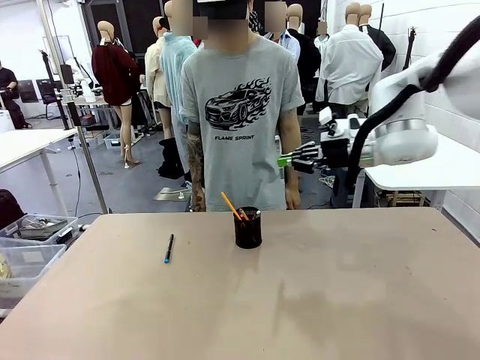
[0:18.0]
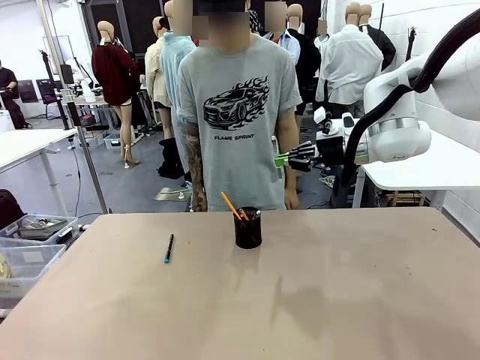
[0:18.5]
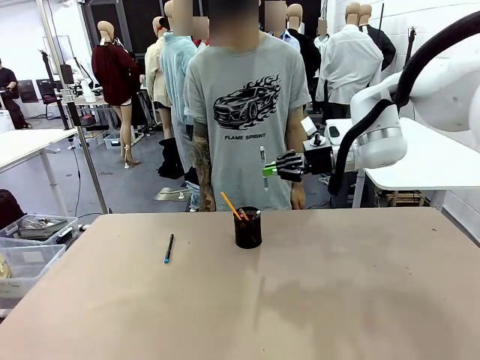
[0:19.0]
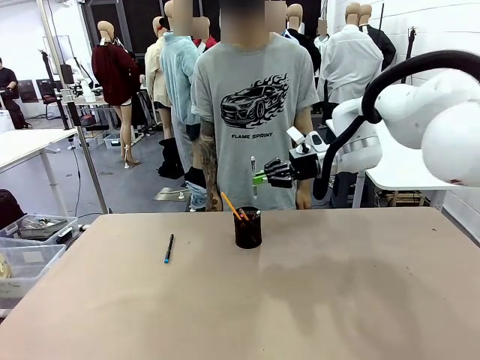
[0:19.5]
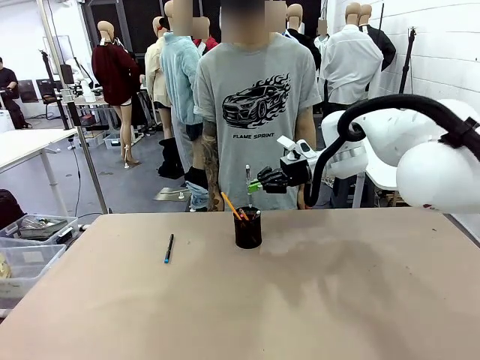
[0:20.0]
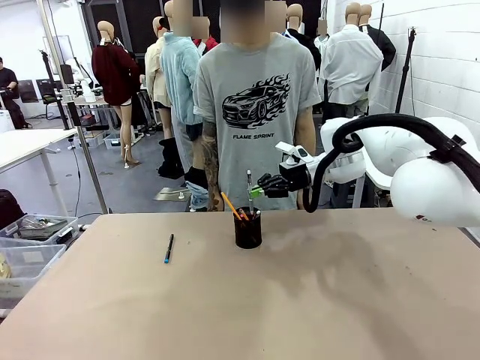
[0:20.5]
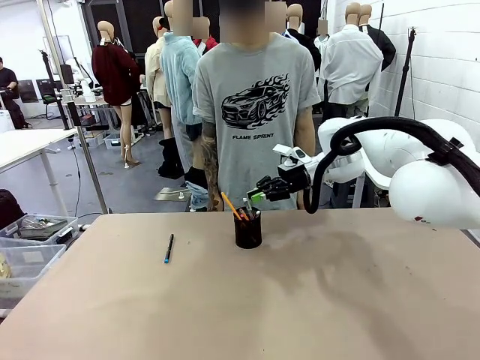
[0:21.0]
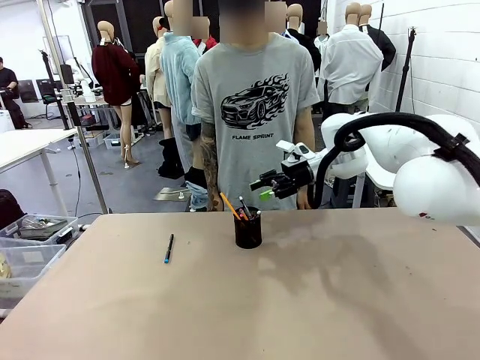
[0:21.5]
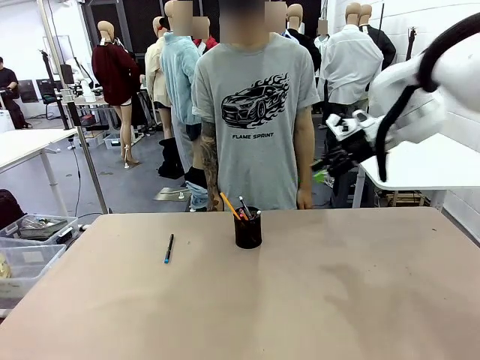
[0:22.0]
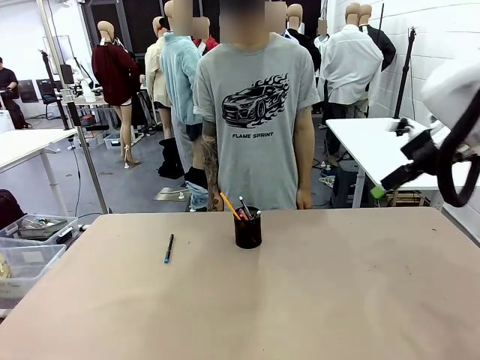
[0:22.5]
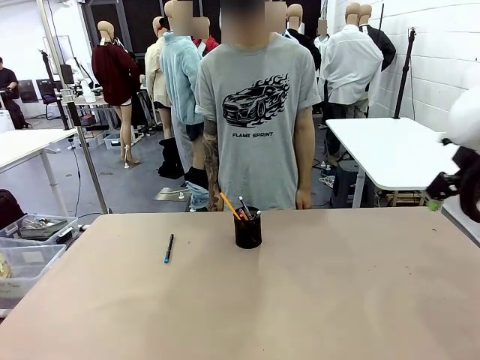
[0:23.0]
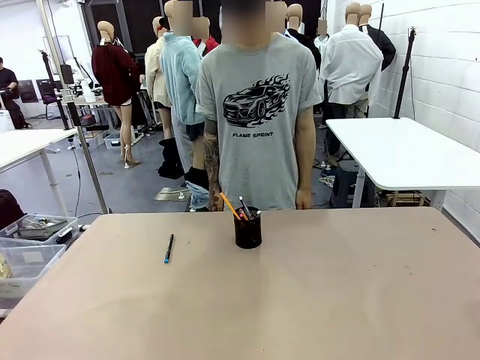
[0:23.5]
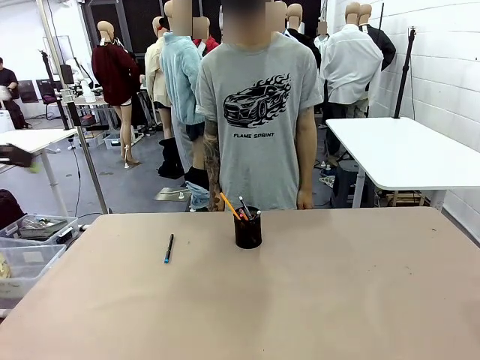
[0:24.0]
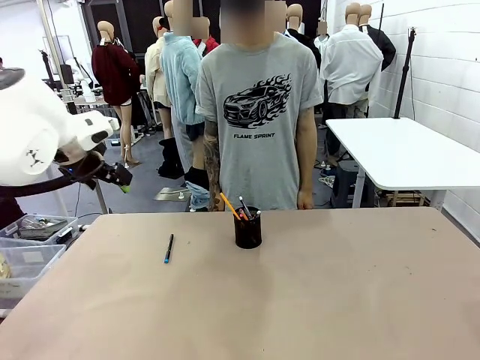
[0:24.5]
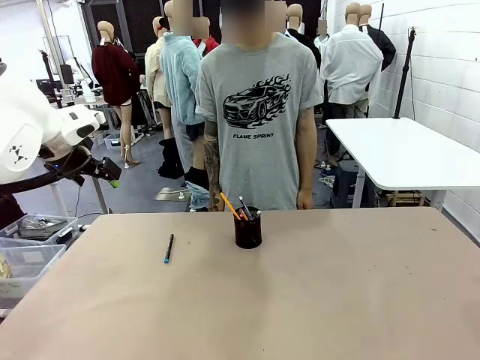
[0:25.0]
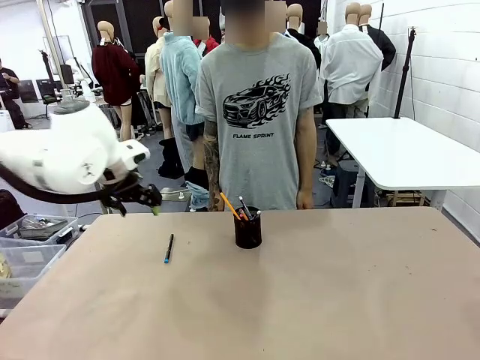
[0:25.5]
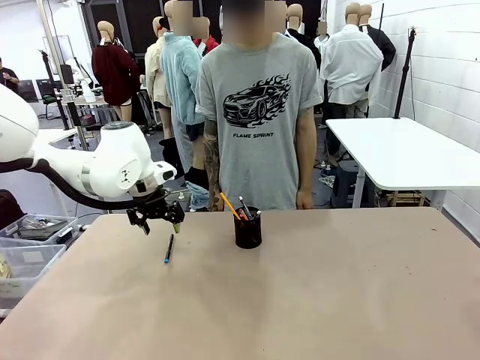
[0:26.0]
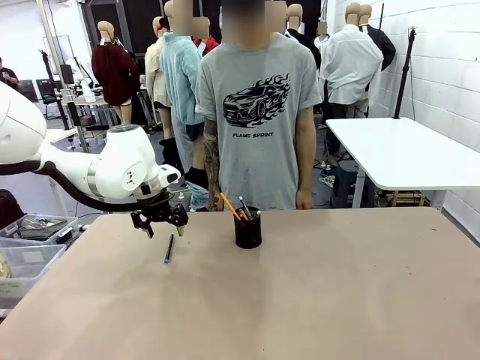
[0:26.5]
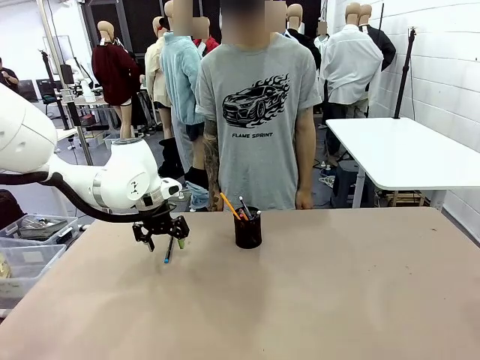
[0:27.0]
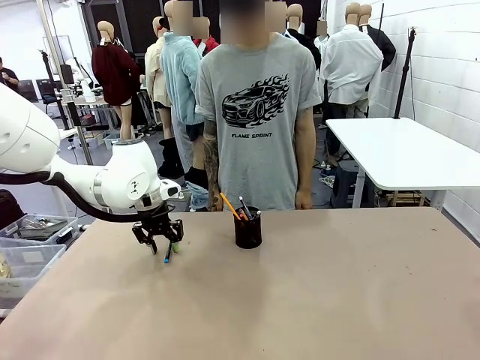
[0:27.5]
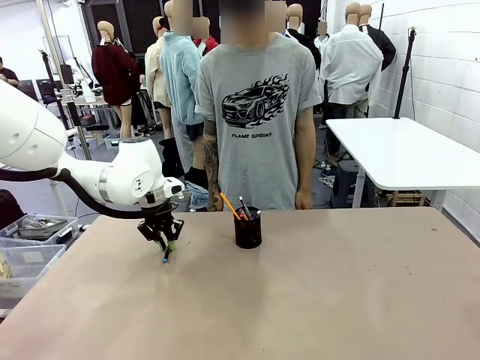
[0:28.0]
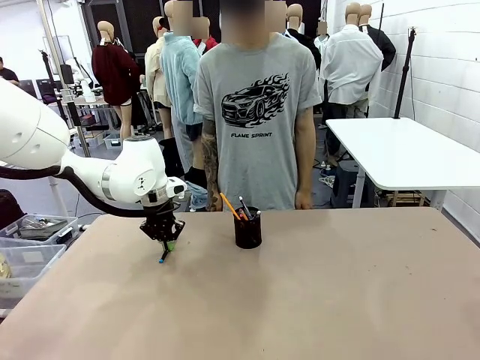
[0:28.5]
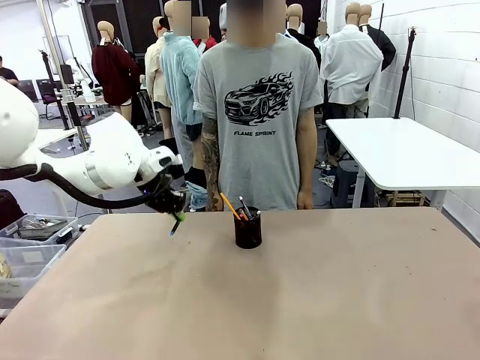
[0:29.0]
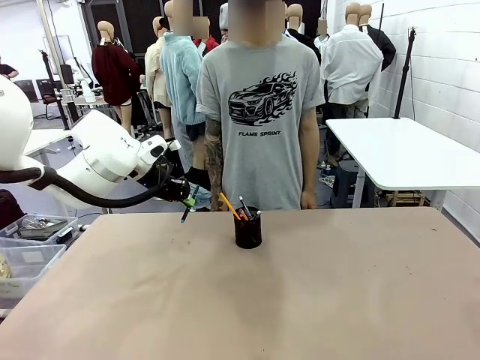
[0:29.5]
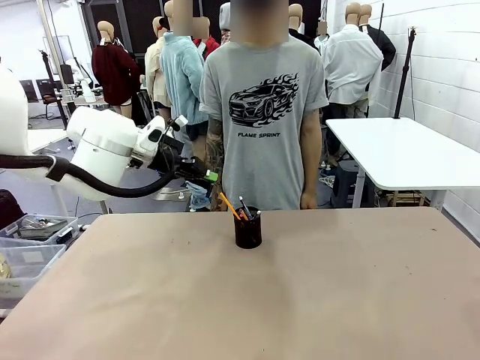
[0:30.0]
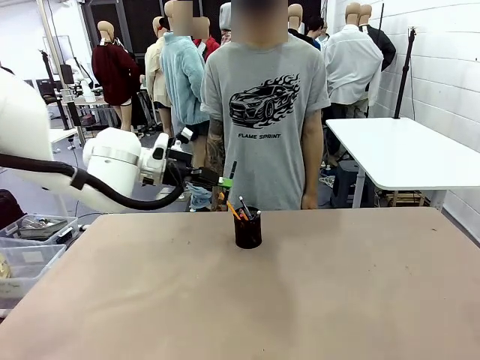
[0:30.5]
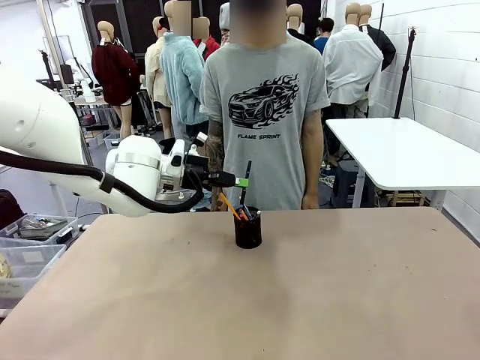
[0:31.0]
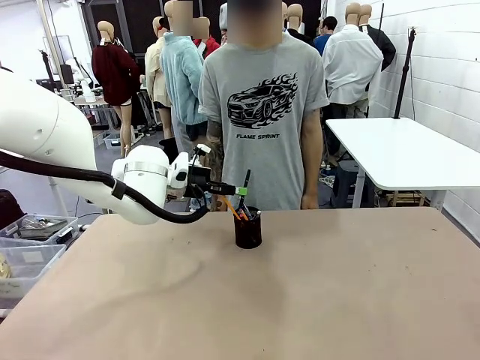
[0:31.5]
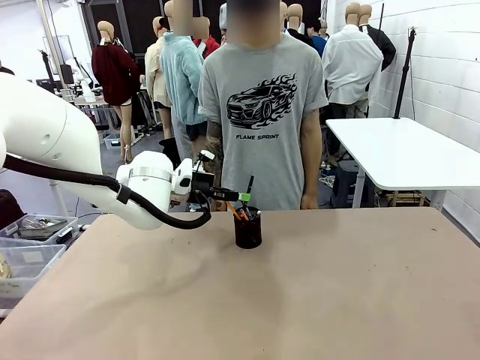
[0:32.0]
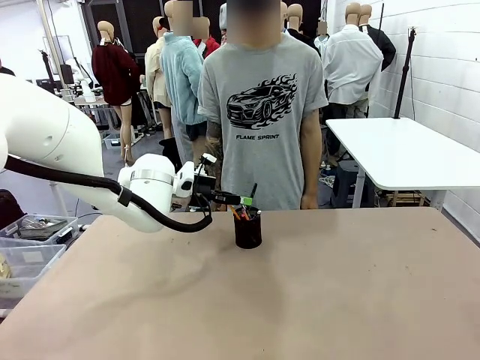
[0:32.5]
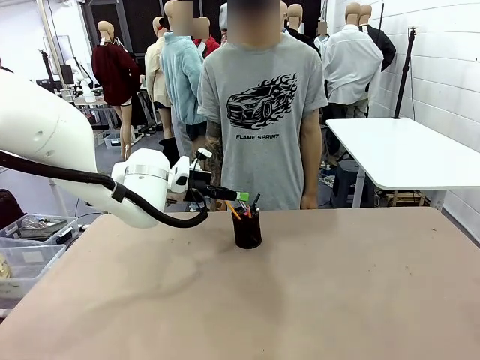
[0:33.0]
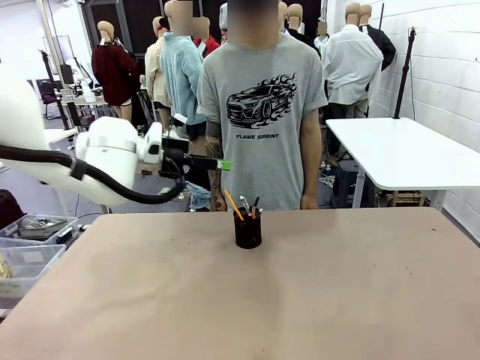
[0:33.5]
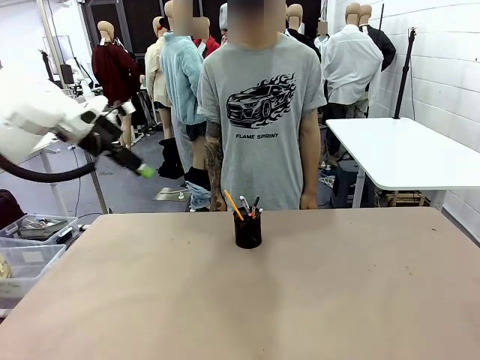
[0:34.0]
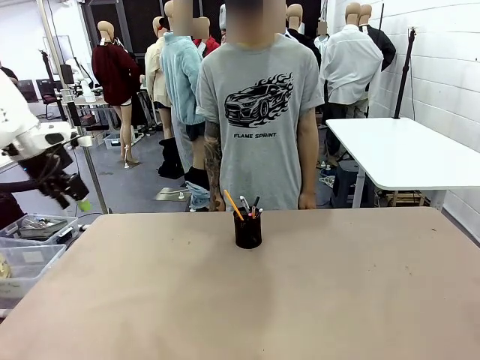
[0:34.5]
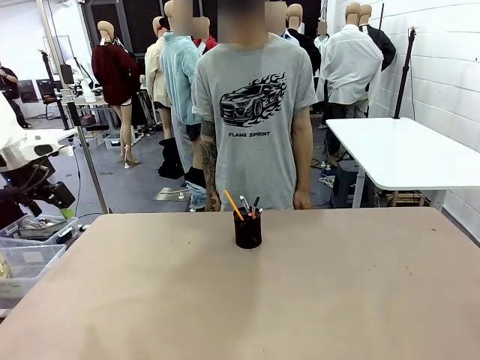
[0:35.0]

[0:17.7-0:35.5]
Task: Place the pens into the pen holder.
Robot: Pick up a writing instrument from the table and place it into the Pen holder.
Person: Place all writing instrument into the Pen holder.
